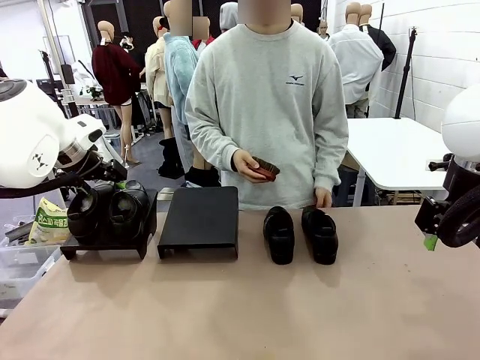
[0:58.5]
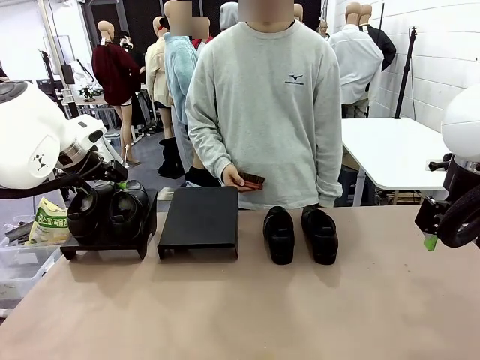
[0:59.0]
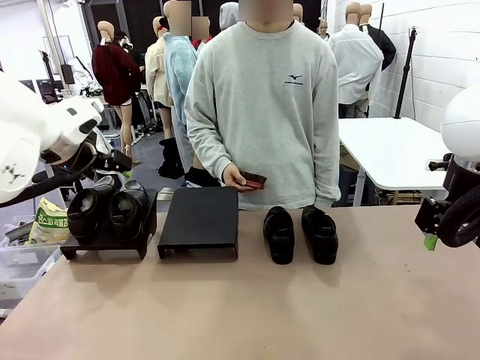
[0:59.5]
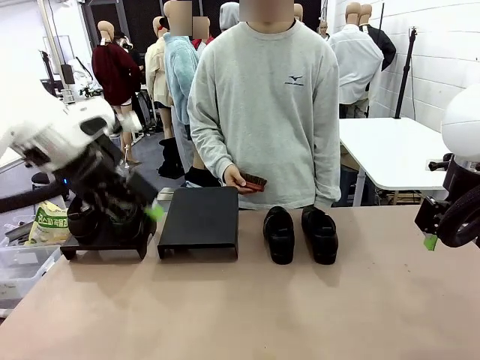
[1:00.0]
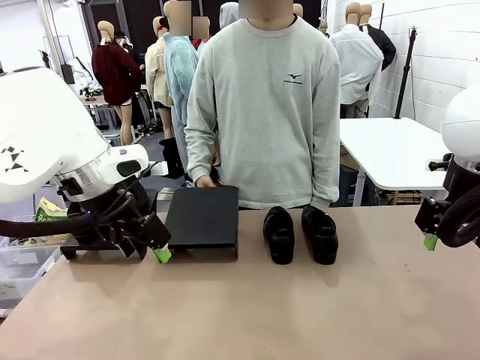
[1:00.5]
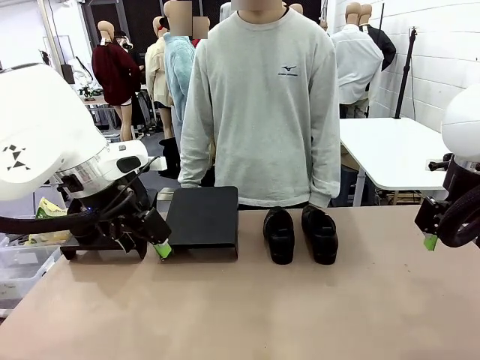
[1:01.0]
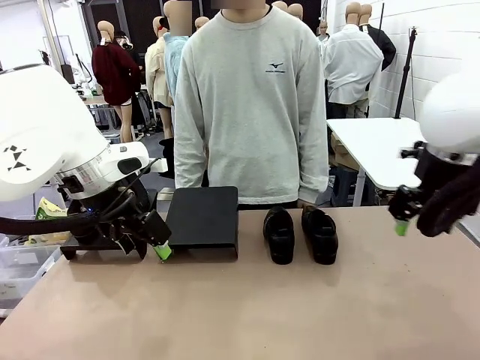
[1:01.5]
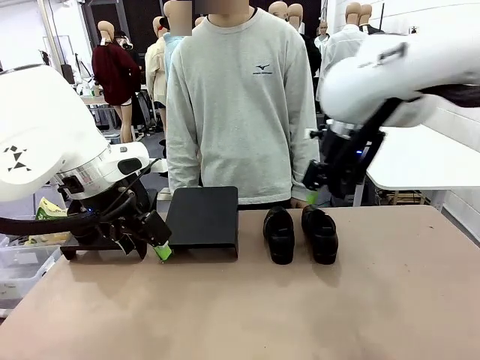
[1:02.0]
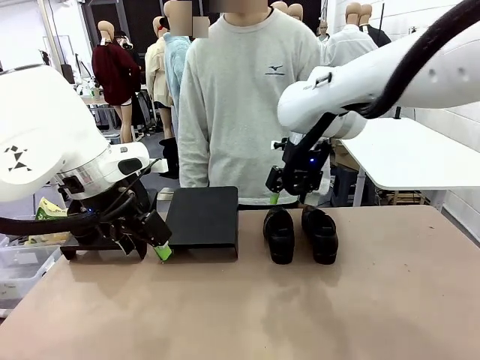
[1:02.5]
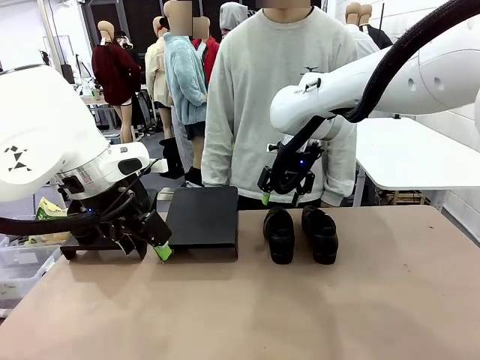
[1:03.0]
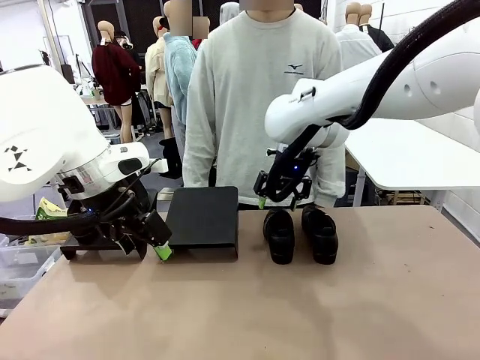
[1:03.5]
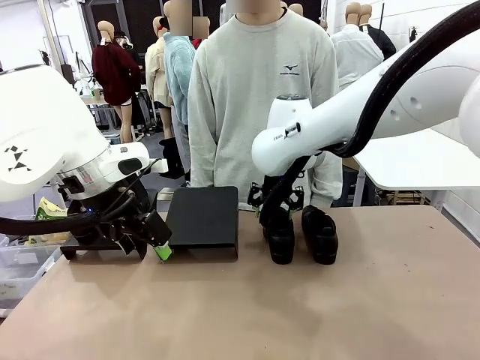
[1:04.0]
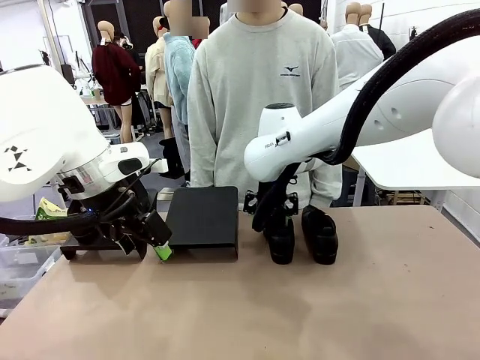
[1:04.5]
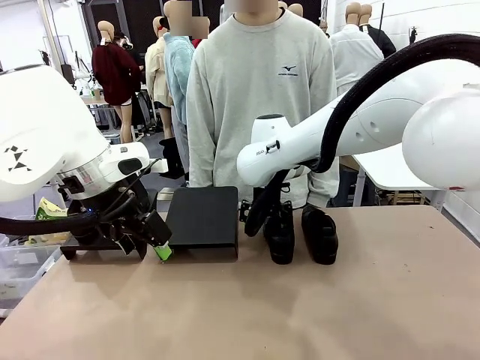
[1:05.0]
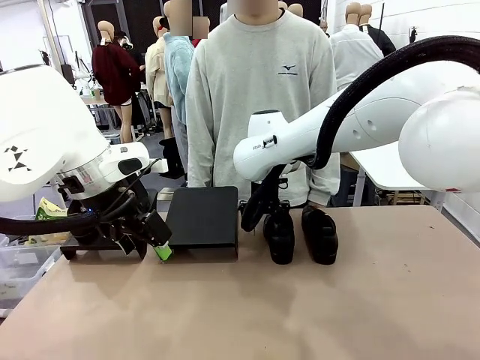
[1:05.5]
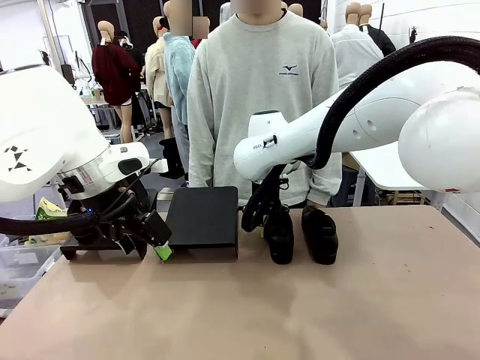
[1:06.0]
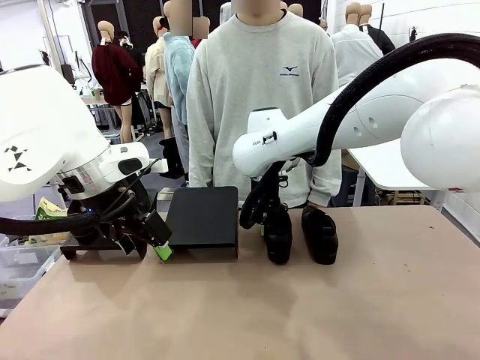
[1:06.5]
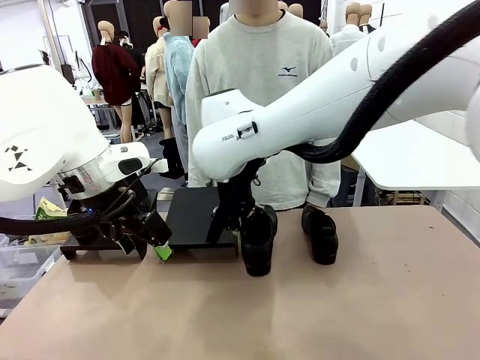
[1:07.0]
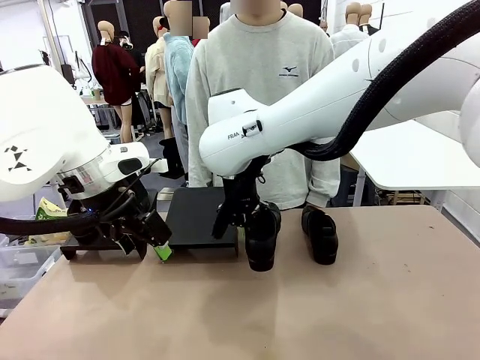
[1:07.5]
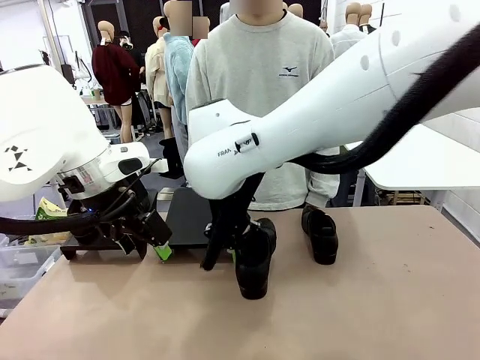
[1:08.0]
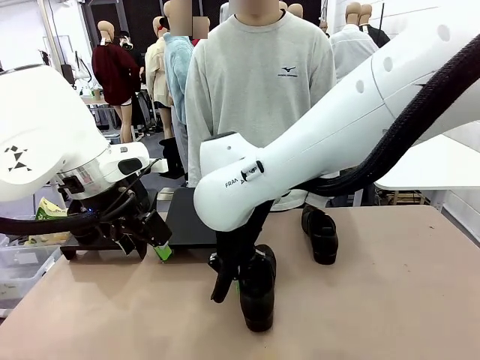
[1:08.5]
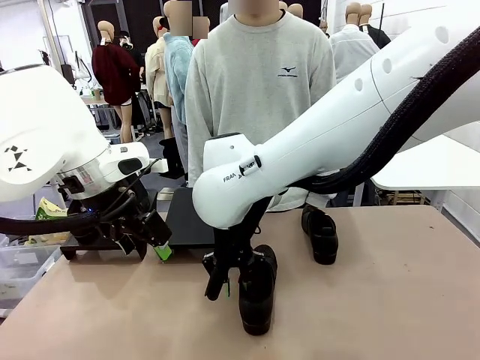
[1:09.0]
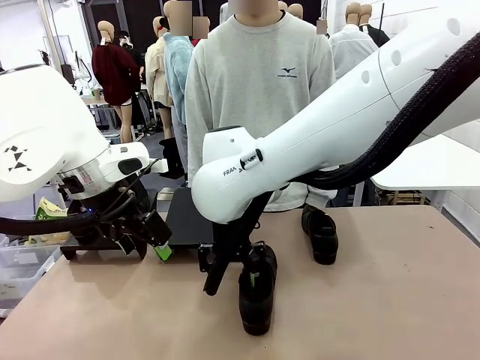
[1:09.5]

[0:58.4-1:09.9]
Task: Organize the shoes by placing them on the stand.
Robot: Pick up one Shoe and place it in the middle of the table.

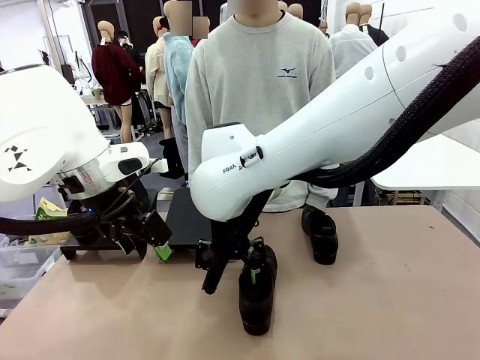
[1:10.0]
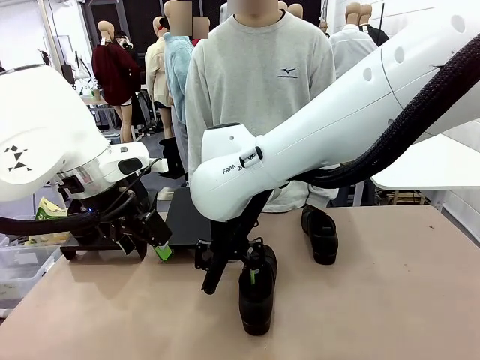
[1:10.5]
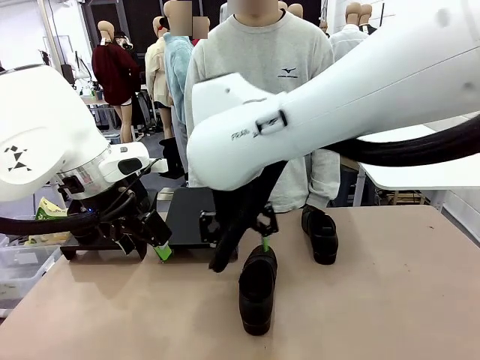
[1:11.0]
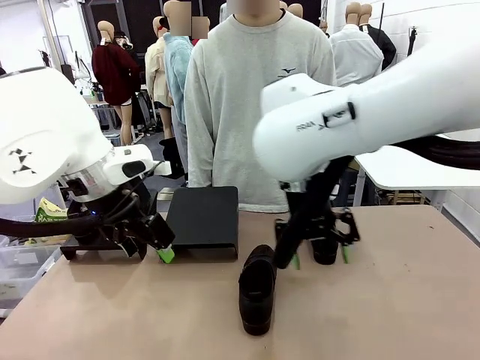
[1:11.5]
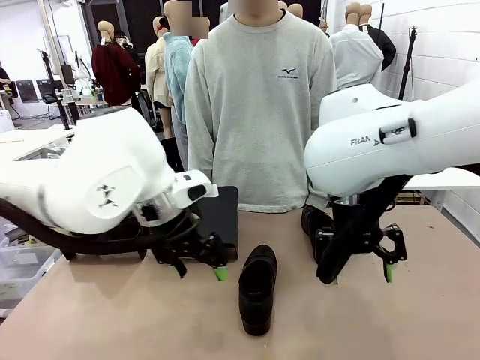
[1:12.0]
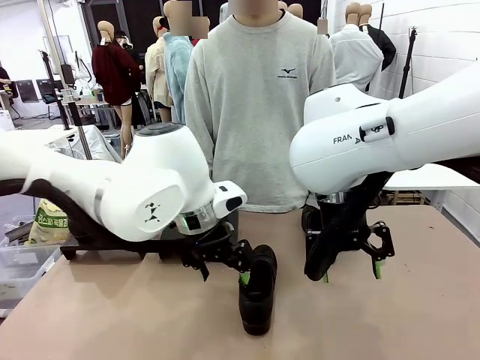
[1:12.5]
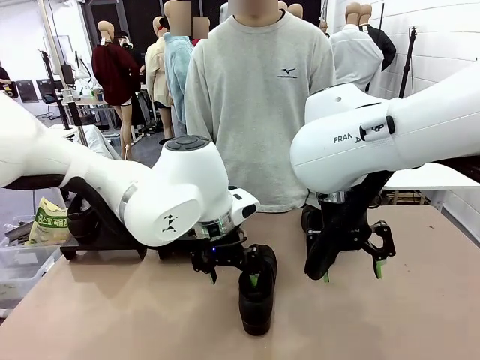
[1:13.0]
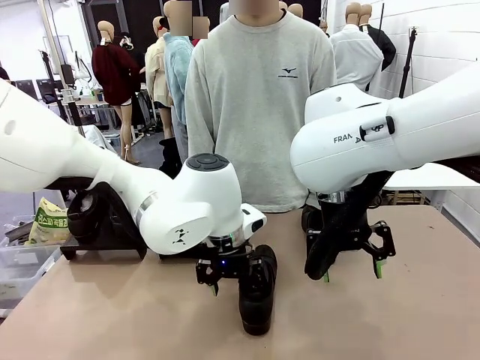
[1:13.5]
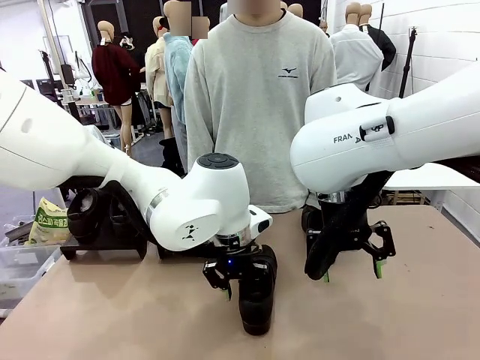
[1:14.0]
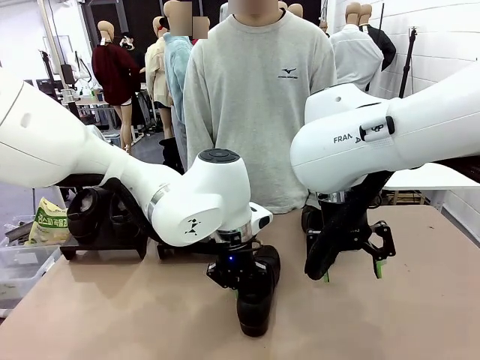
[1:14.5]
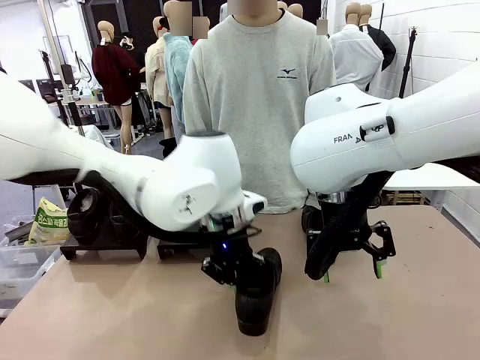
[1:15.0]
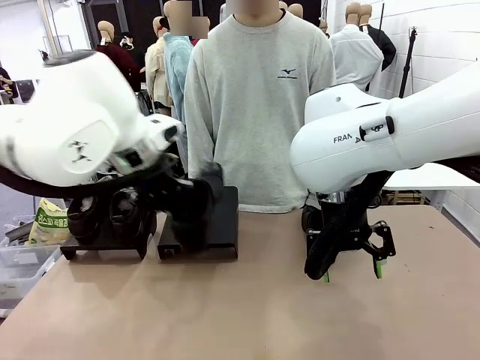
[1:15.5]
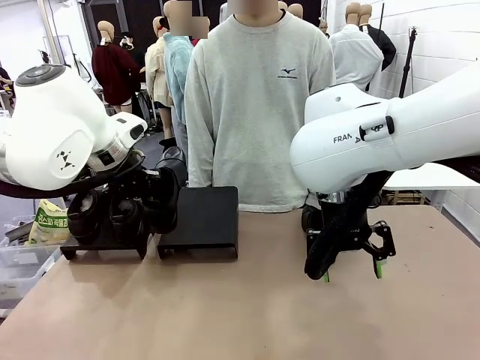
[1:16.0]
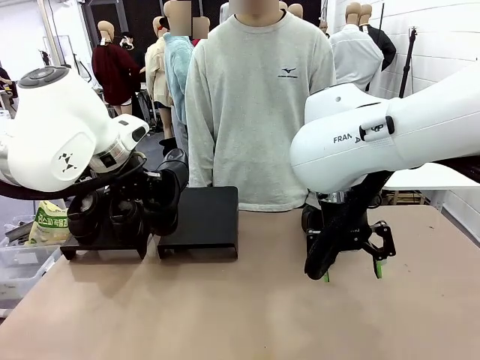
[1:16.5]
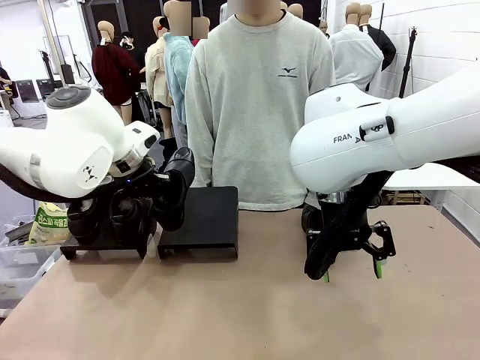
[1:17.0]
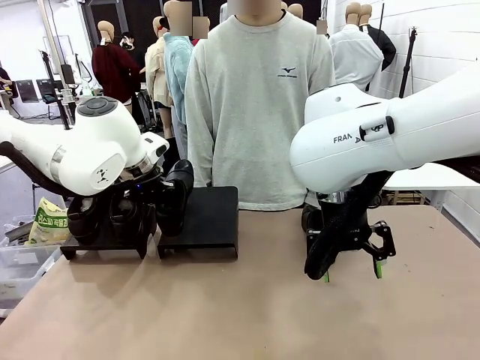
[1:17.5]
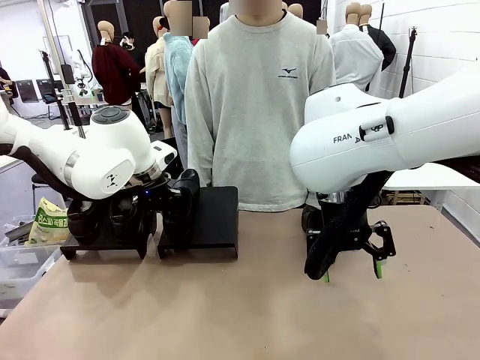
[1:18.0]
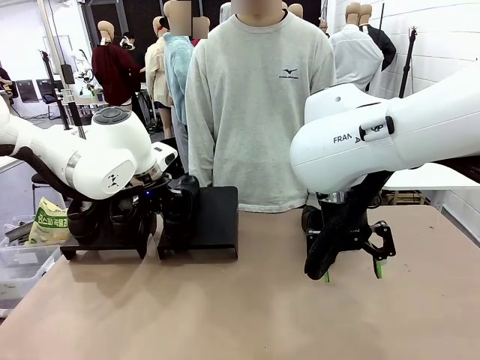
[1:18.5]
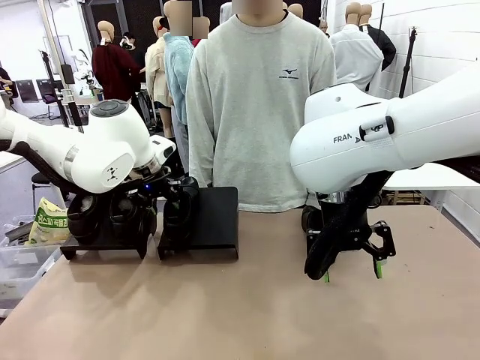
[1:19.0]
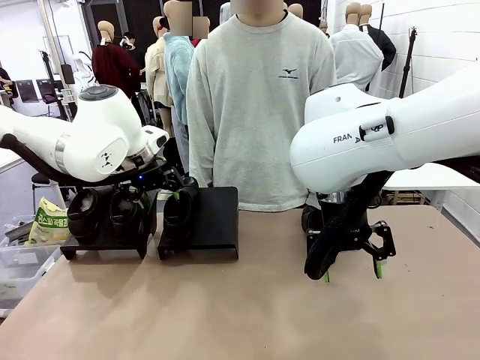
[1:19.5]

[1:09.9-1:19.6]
Robot: Place the Shoe from the middle of the table onto the Shoes Stand.

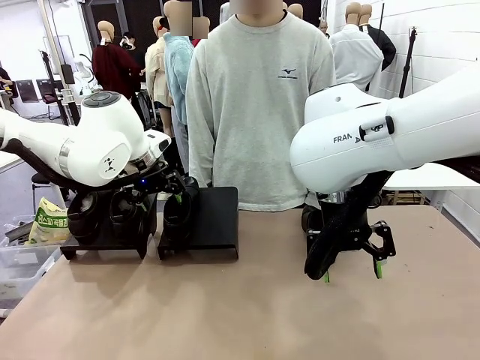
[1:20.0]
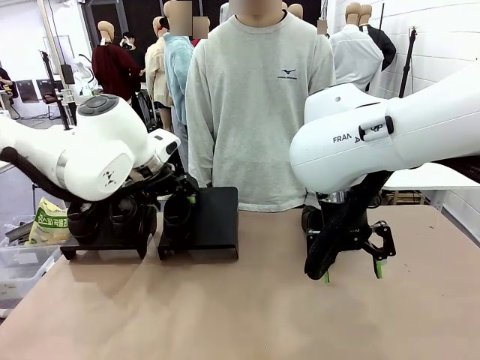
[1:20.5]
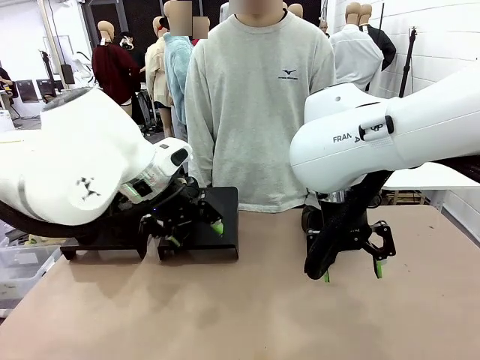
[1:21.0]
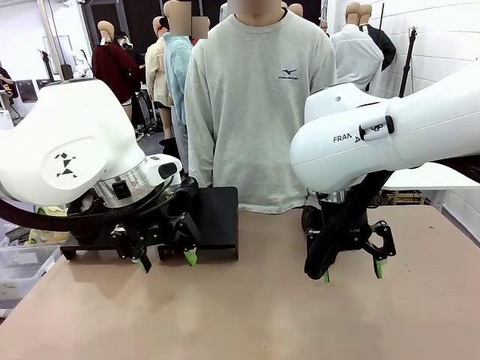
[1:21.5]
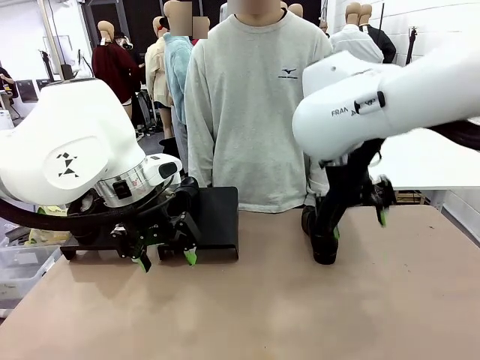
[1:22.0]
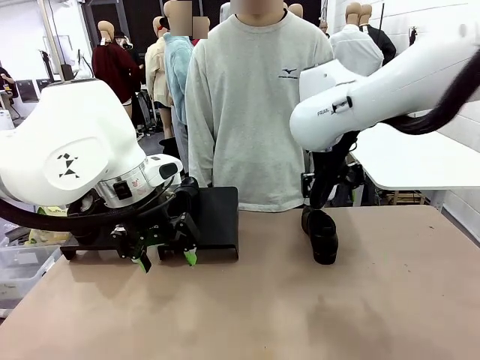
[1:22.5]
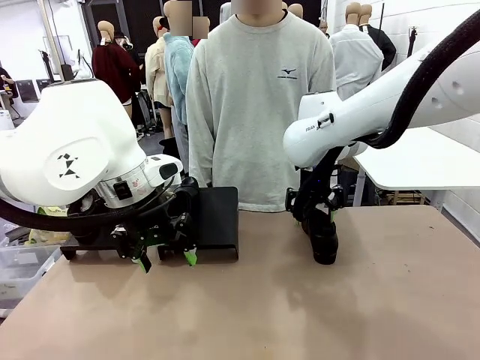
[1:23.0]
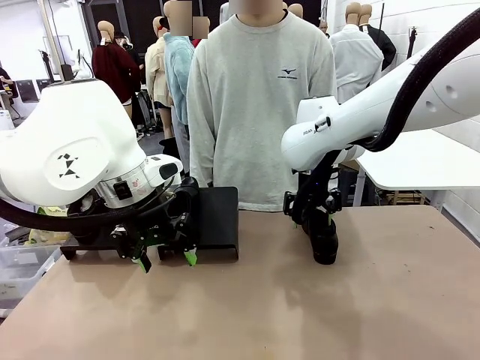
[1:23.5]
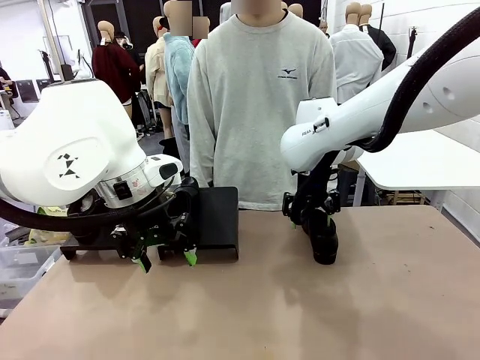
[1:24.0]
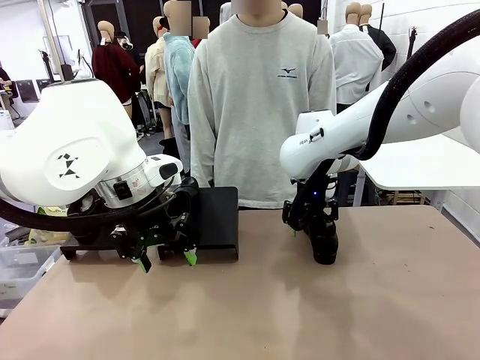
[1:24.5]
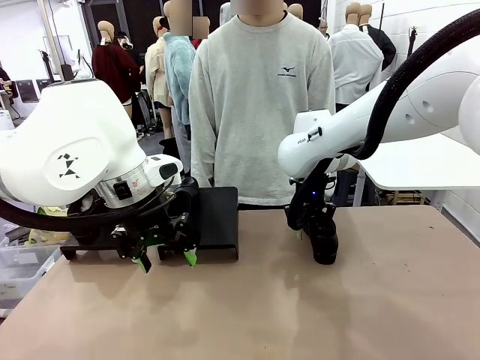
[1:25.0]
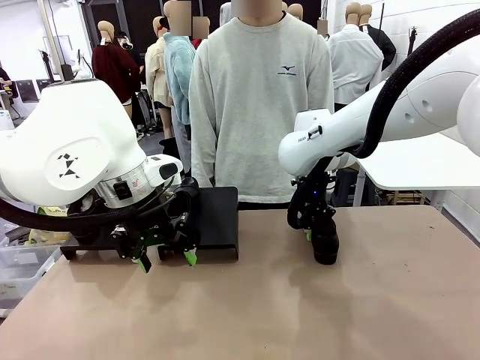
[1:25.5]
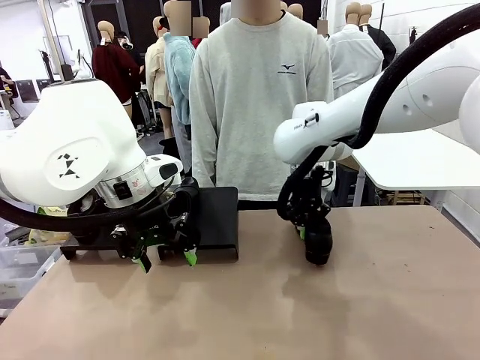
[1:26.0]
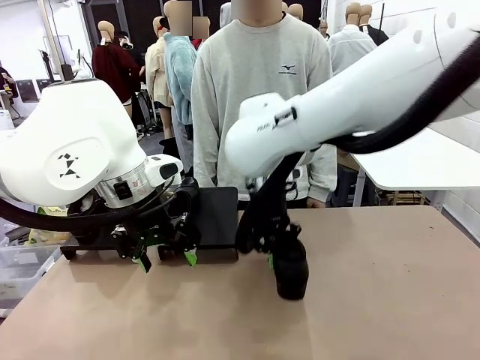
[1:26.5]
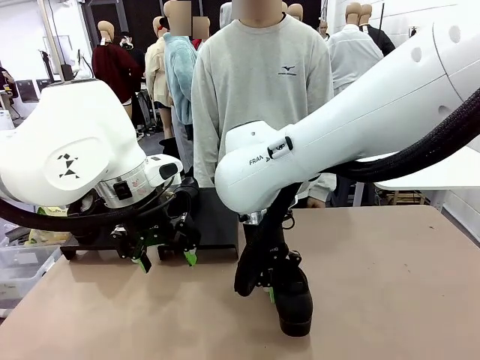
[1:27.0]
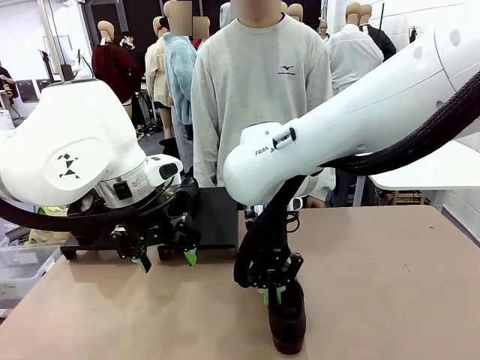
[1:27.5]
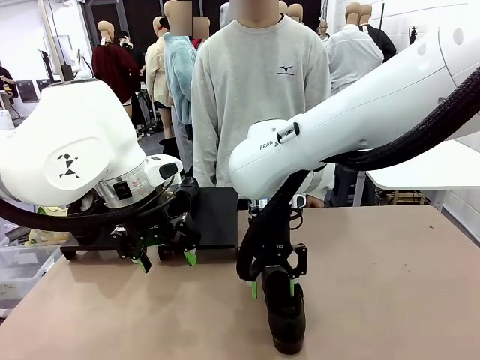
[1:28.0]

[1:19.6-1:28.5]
Robot: Pick up one Shoe and place it in the middle of the table.
